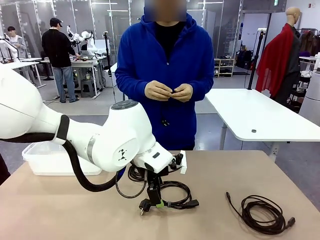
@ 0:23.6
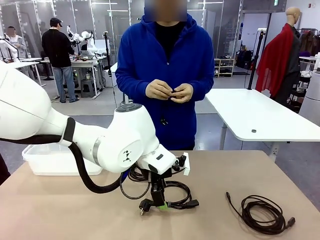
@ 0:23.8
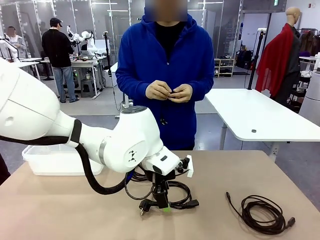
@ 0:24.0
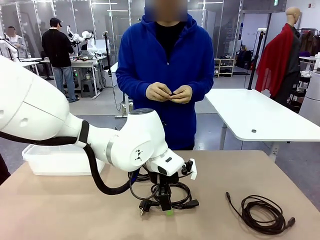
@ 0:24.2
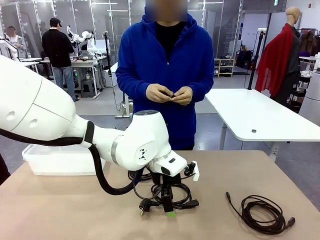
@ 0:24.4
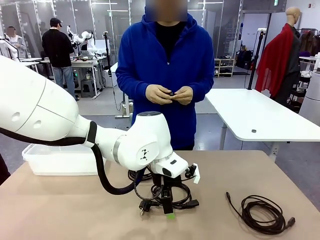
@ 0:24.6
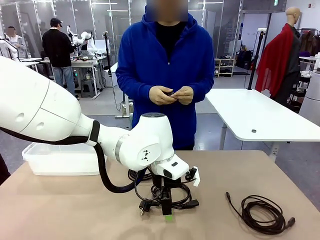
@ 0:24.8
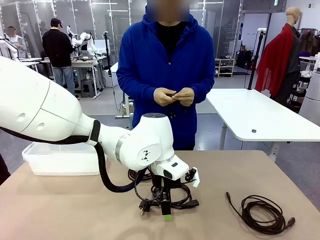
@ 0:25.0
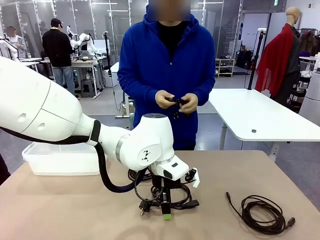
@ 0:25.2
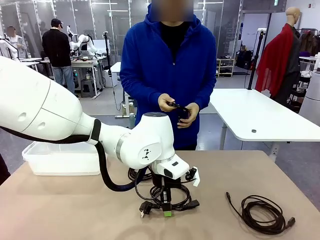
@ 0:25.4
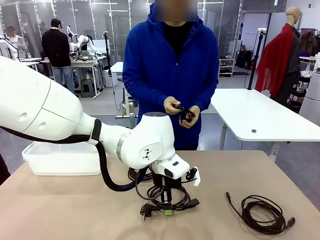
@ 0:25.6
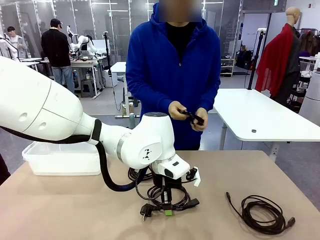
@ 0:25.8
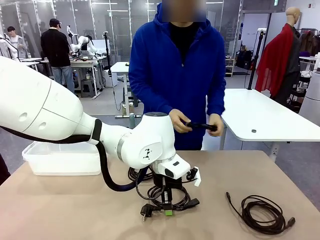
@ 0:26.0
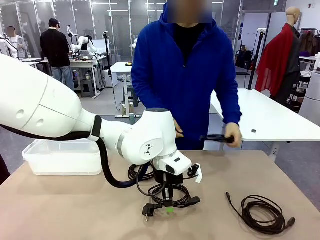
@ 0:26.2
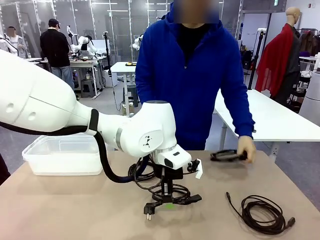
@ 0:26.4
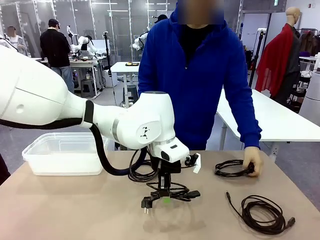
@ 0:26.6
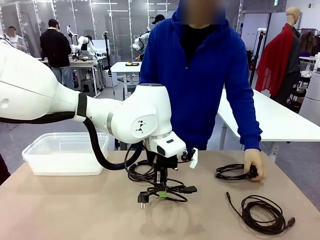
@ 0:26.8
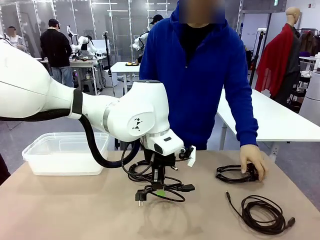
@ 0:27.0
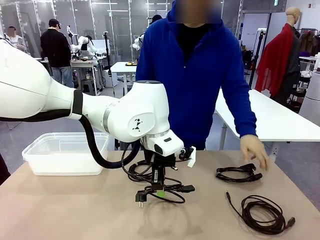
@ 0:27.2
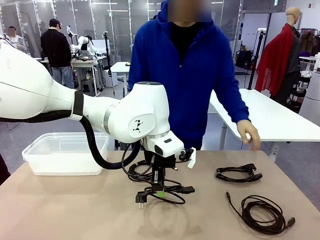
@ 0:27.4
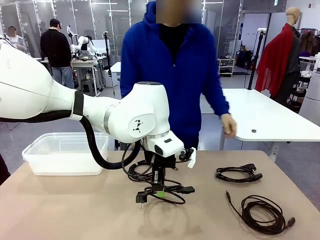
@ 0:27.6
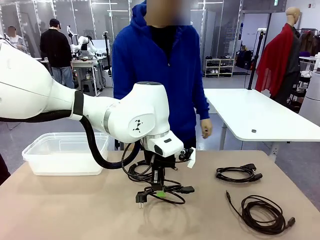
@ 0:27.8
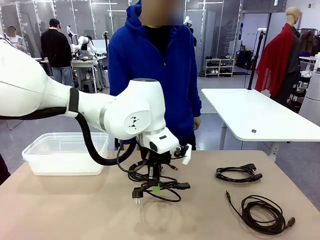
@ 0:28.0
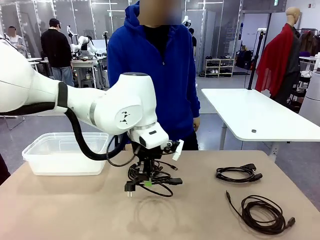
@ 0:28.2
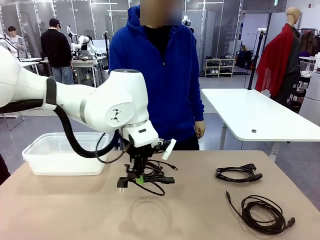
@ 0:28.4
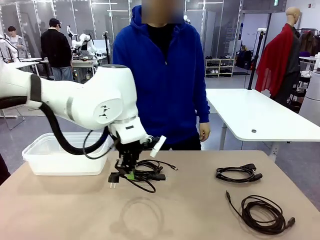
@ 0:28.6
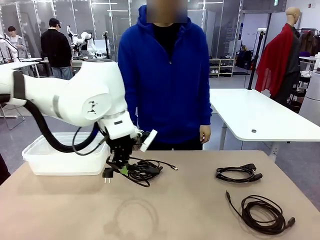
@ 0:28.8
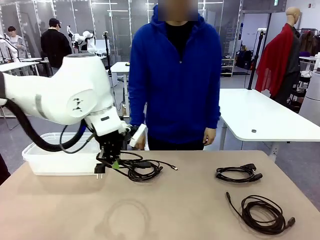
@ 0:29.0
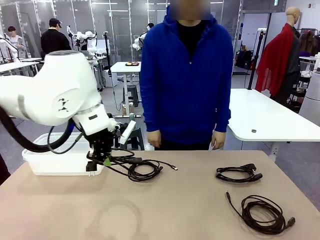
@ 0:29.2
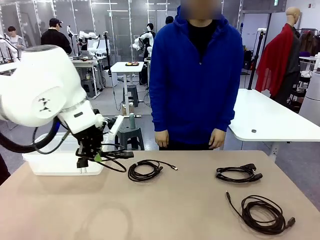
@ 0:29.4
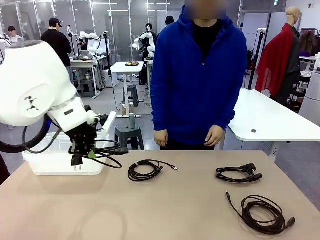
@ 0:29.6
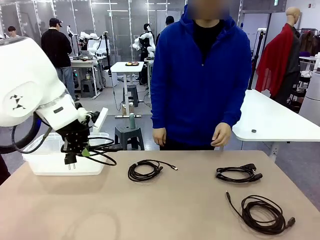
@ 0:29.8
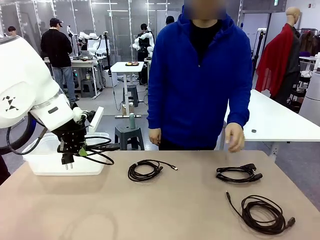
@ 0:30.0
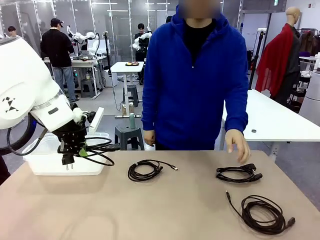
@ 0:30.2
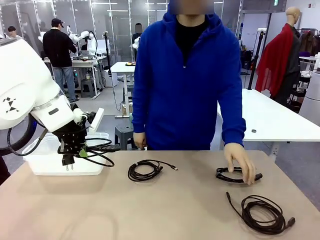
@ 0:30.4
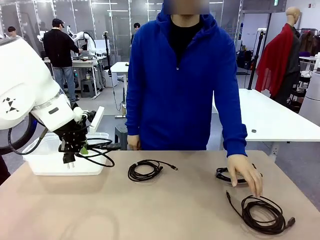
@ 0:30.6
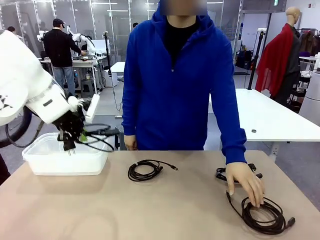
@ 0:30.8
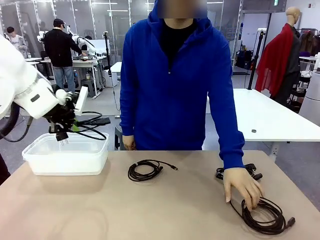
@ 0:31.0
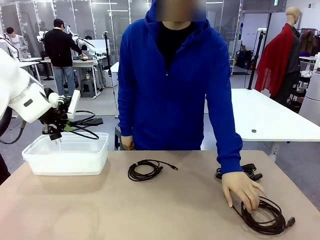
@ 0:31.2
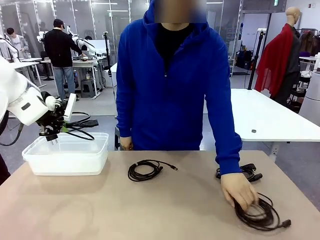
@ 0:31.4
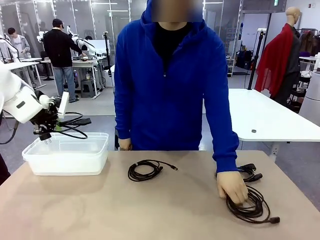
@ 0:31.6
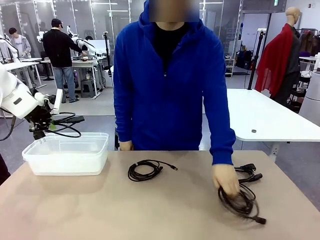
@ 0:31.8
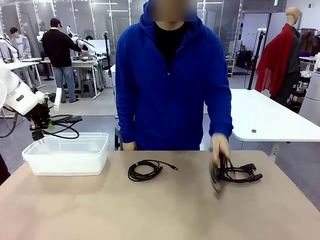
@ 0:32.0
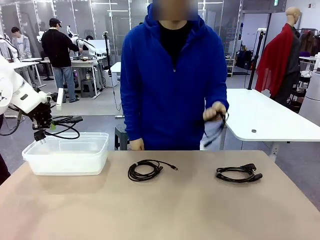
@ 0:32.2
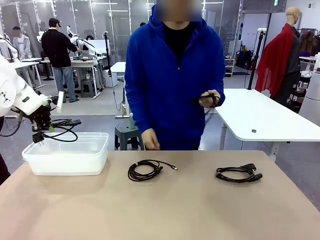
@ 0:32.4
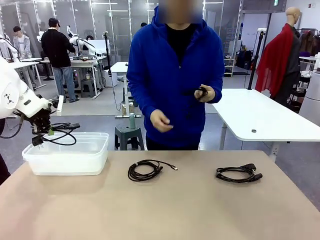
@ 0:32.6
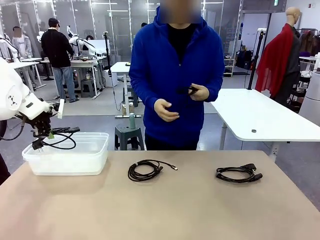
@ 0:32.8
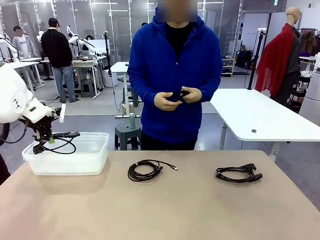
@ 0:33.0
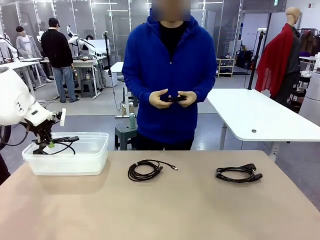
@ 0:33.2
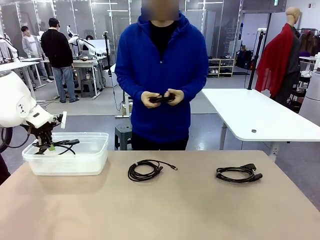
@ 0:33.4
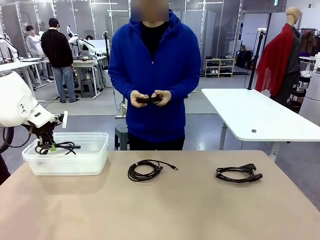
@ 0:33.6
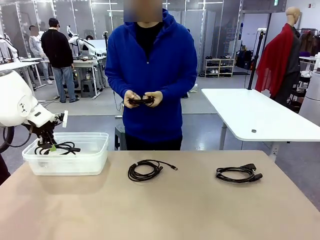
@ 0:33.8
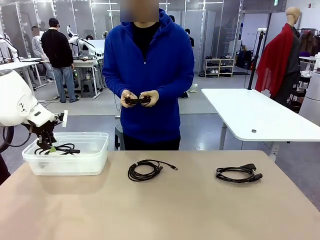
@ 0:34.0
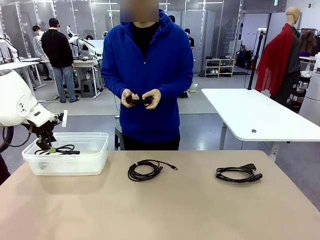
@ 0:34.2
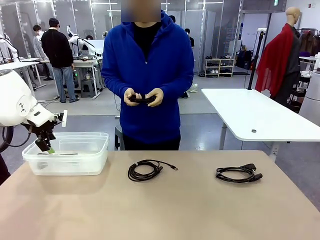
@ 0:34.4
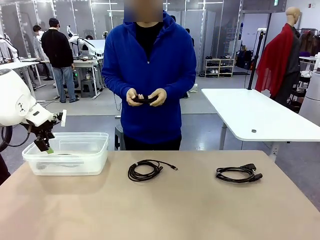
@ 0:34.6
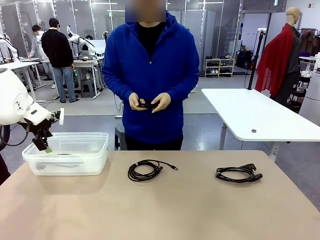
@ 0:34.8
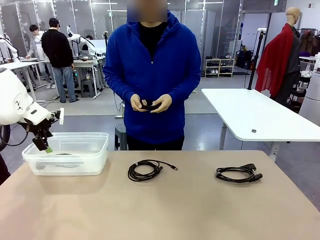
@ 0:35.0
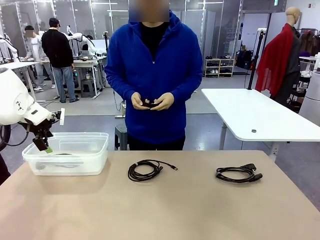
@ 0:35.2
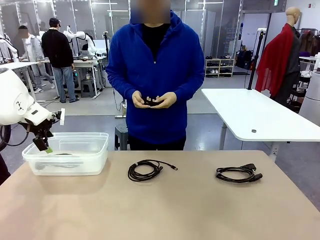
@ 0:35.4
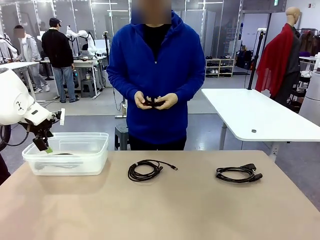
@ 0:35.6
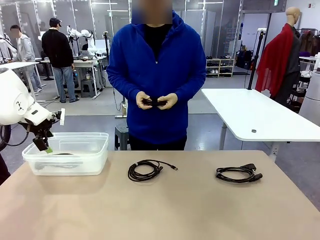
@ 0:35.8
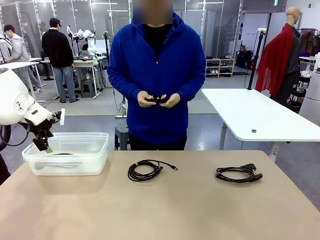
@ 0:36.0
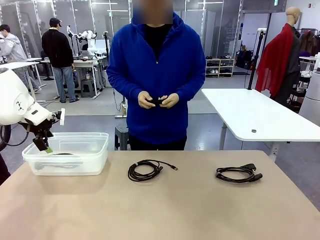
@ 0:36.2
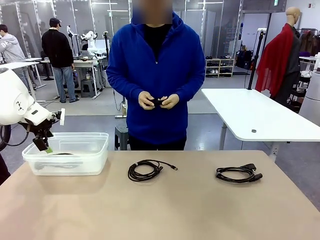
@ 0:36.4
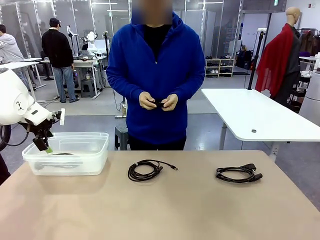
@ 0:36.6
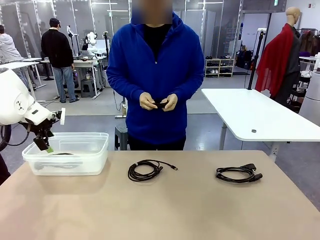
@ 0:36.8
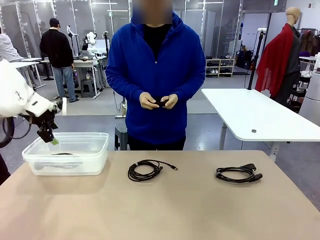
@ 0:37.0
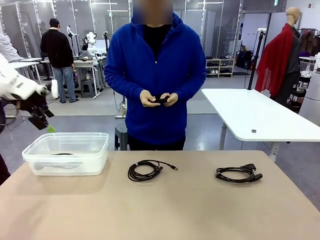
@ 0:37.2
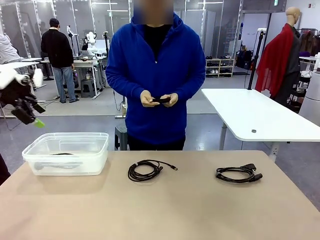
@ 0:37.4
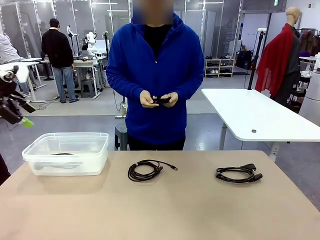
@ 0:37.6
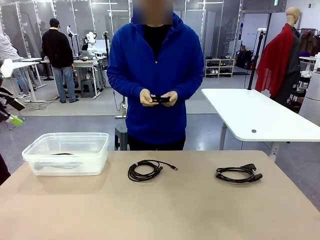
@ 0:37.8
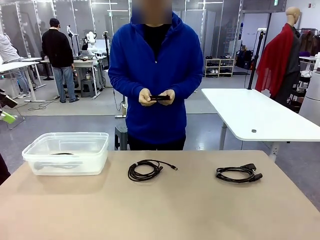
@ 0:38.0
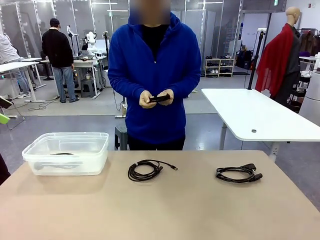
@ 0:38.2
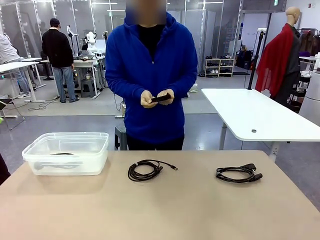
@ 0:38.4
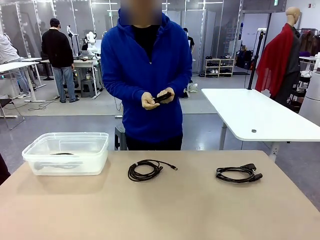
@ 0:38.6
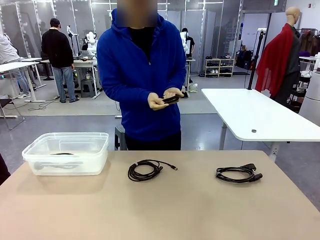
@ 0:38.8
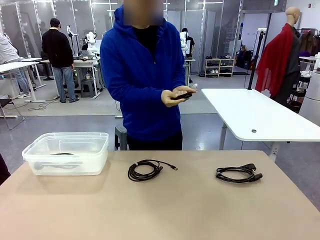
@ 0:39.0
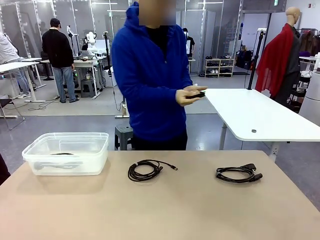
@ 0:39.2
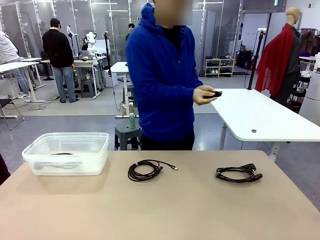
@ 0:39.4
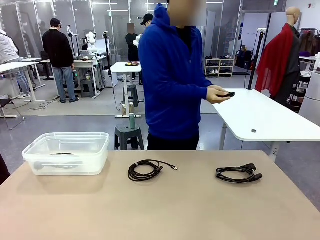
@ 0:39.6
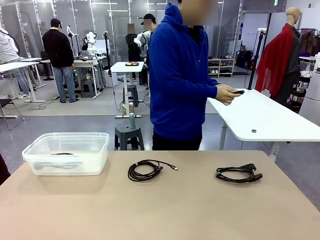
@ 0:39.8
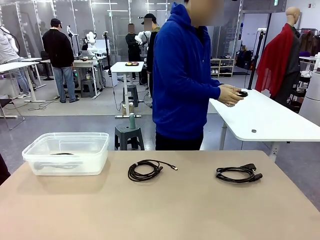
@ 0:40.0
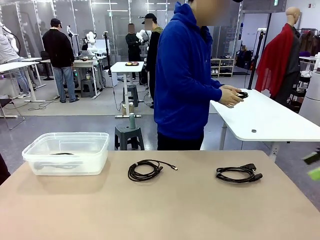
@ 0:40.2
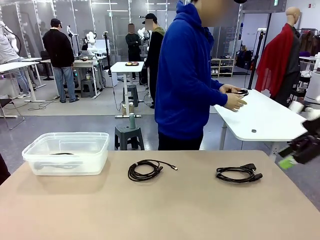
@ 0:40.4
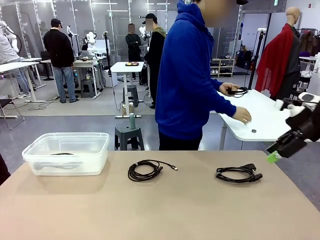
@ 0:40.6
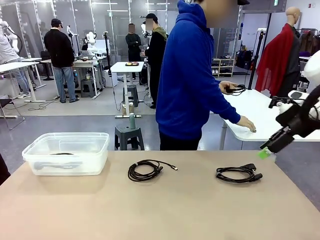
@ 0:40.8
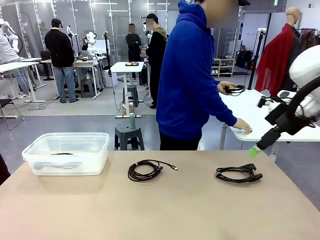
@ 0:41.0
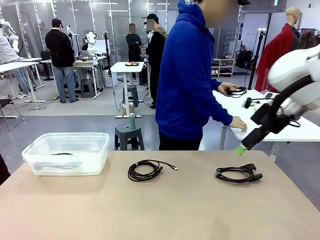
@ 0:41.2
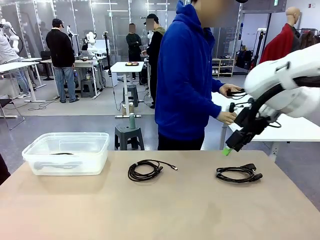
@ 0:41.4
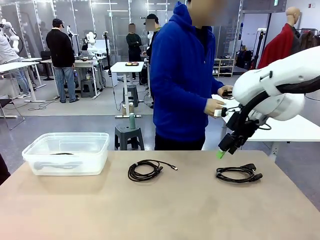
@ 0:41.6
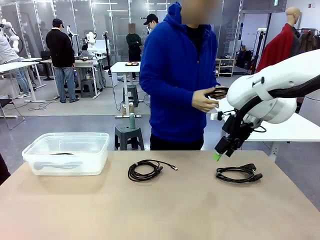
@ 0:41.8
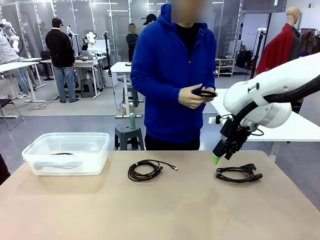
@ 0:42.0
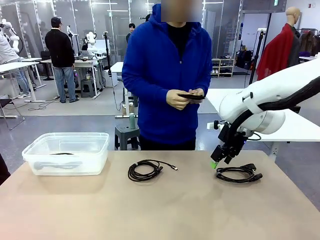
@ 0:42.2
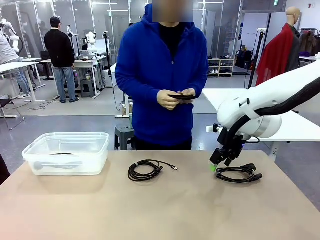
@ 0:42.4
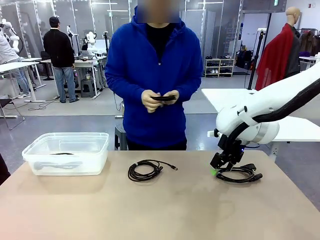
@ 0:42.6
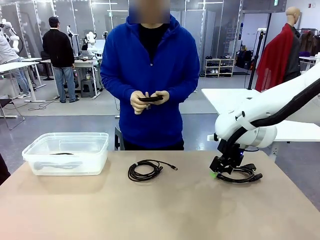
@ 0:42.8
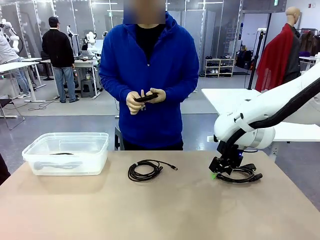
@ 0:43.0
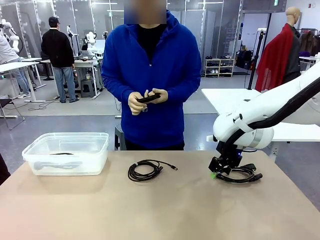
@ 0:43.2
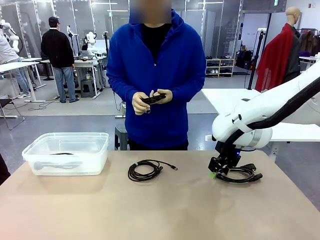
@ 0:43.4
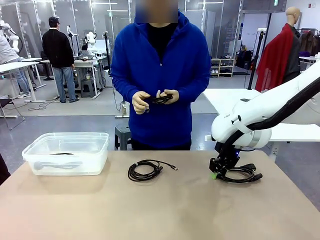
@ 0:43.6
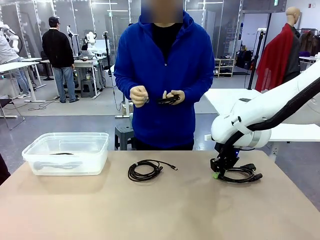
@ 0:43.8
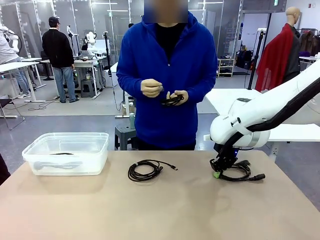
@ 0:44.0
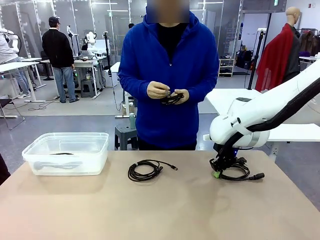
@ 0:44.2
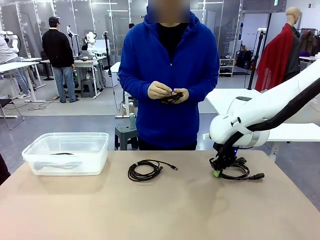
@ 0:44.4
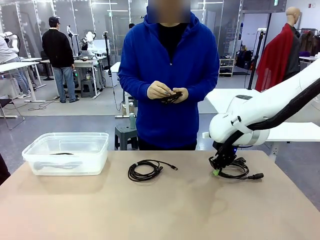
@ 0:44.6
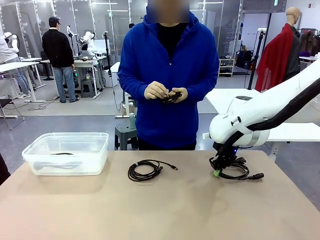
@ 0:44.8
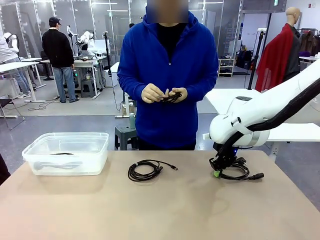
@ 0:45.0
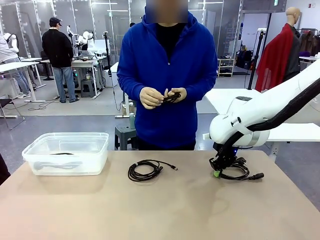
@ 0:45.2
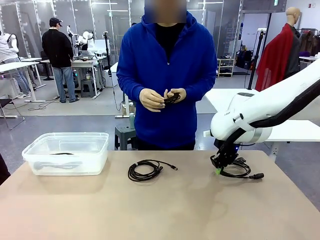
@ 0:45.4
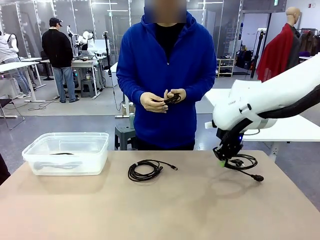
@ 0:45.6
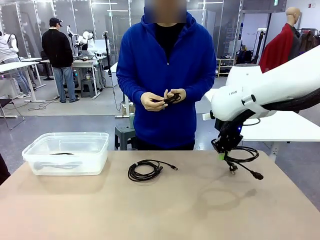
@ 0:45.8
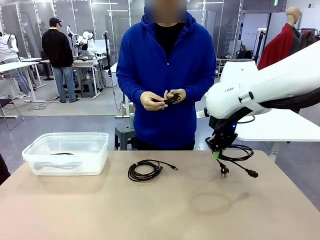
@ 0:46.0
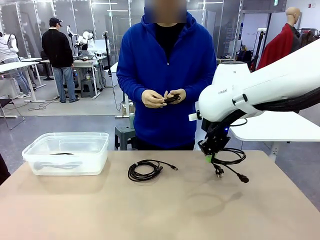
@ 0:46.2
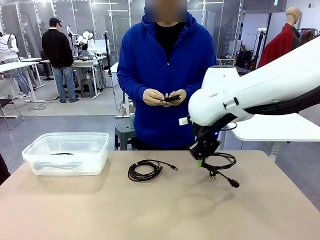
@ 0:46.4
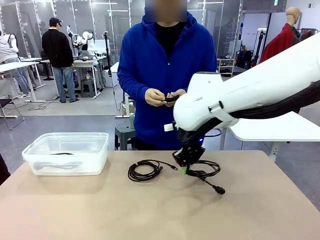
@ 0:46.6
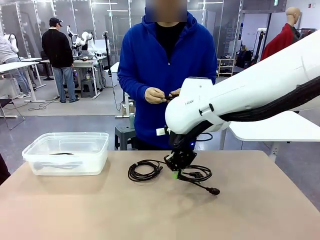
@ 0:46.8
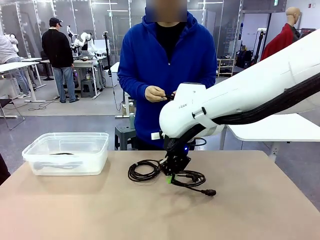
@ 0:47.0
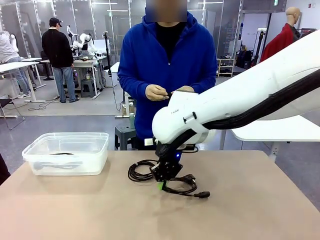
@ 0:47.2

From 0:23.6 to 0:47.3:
Task: Organize and store the cables.
Robot: Place the Power Cable into the Organizing box.
